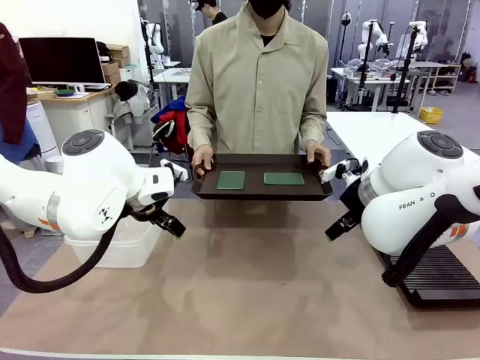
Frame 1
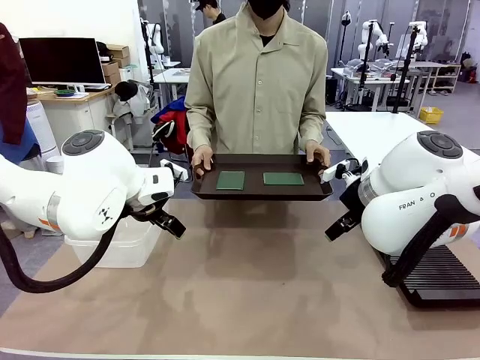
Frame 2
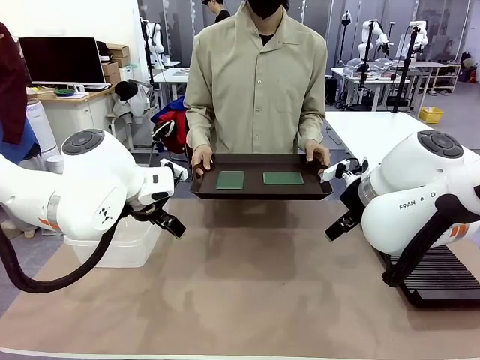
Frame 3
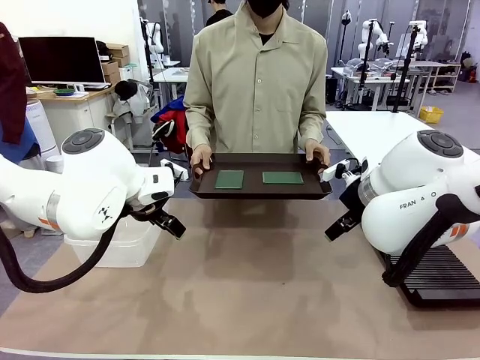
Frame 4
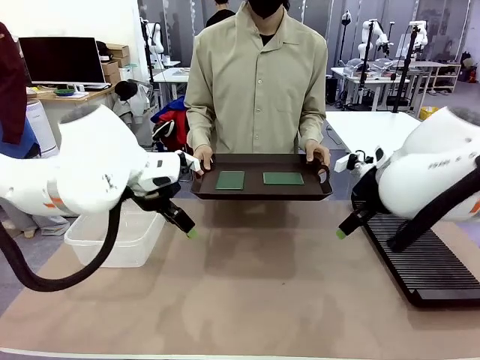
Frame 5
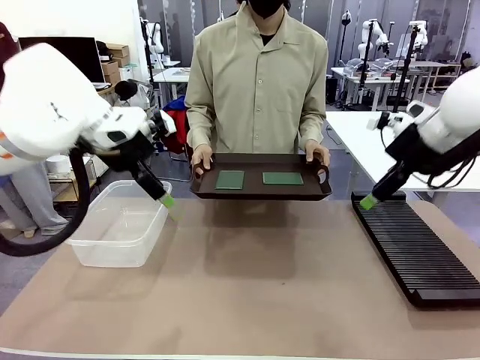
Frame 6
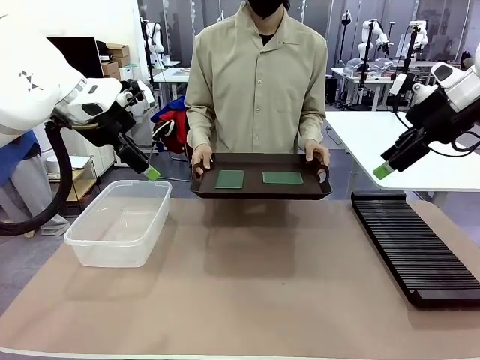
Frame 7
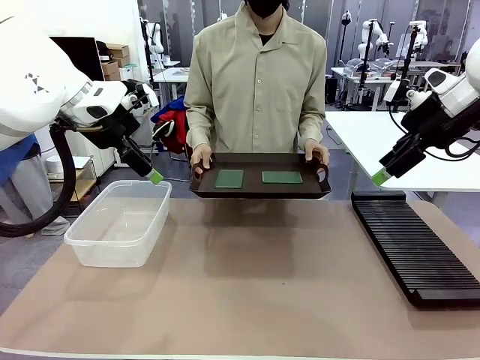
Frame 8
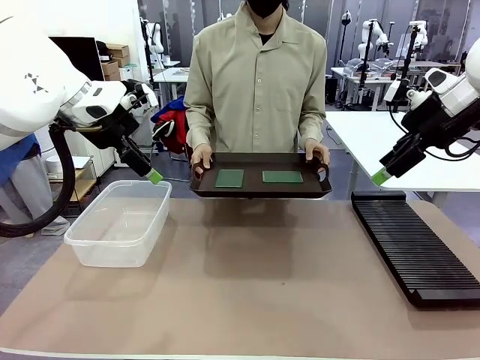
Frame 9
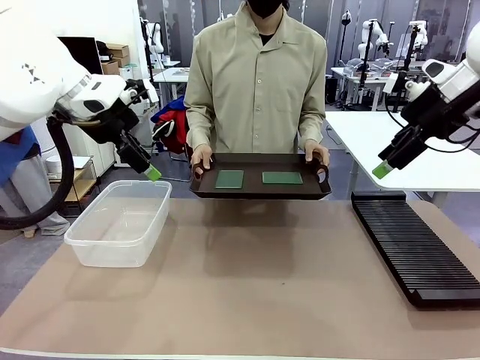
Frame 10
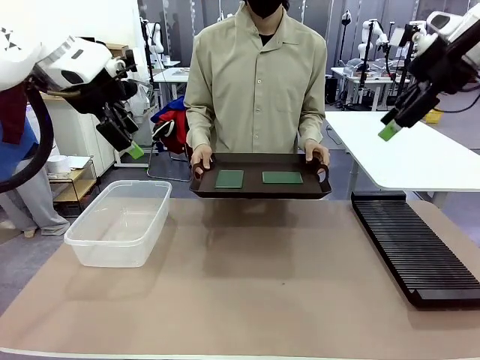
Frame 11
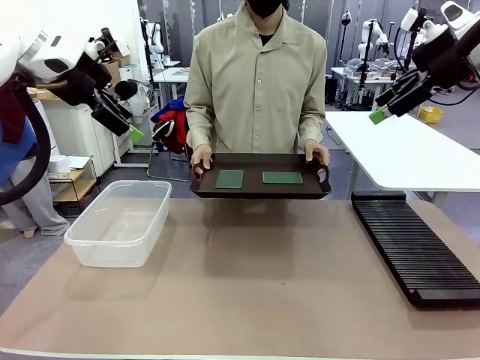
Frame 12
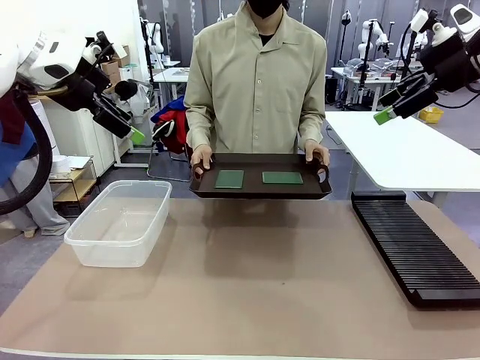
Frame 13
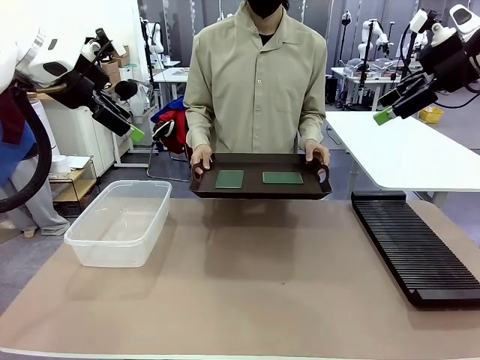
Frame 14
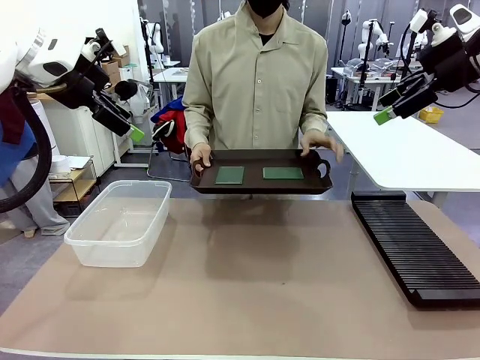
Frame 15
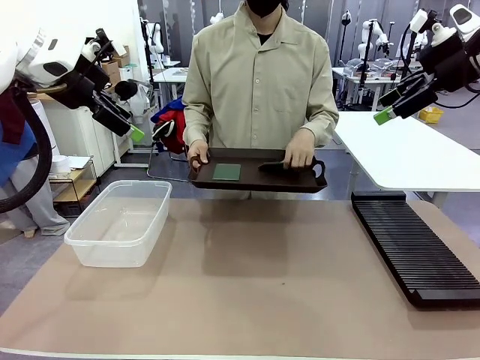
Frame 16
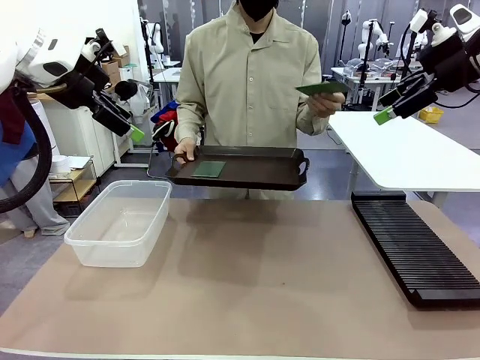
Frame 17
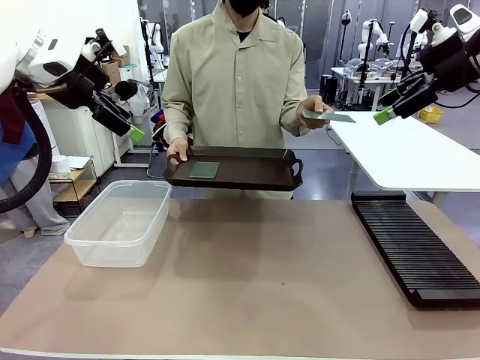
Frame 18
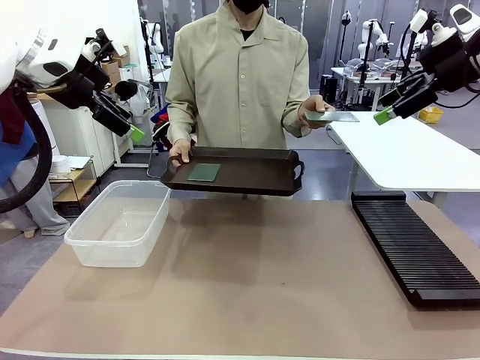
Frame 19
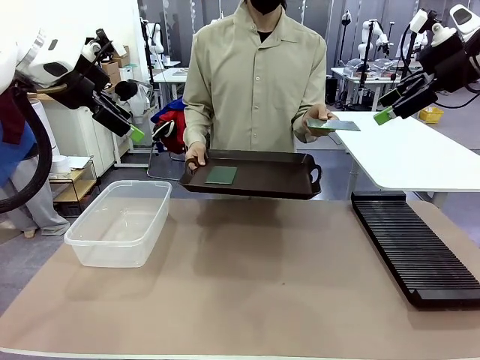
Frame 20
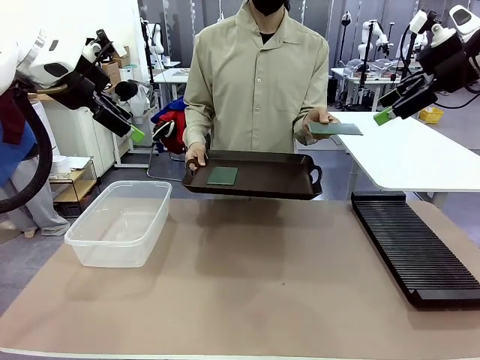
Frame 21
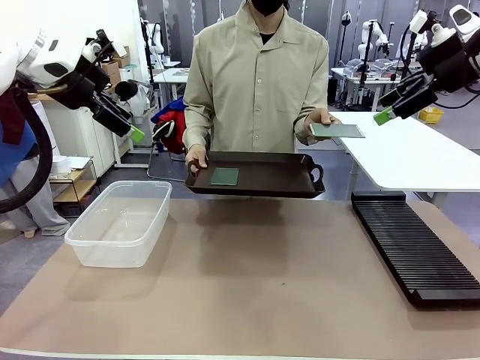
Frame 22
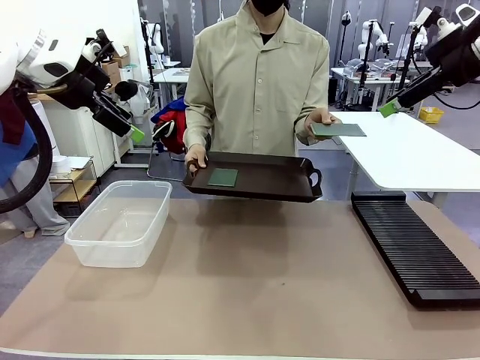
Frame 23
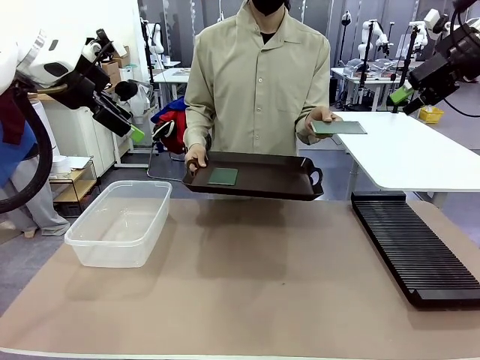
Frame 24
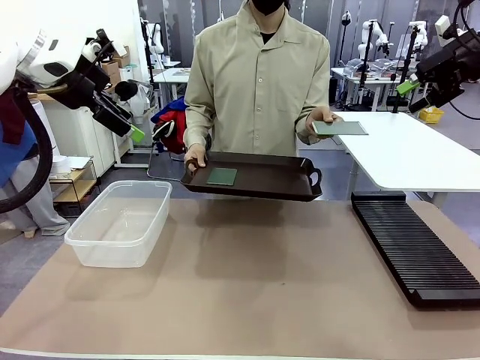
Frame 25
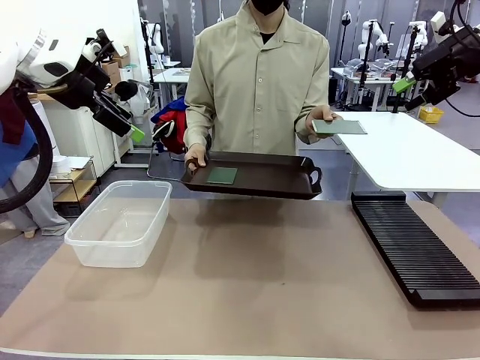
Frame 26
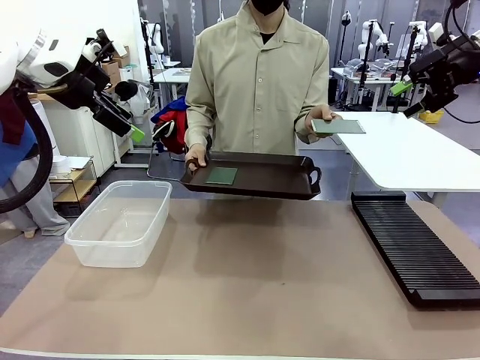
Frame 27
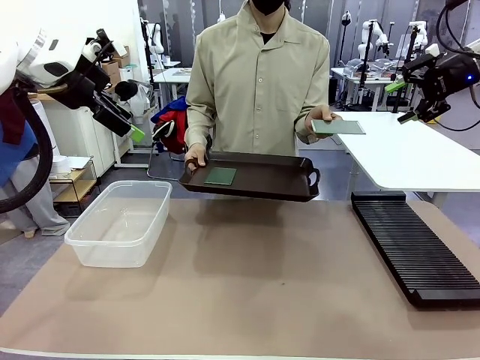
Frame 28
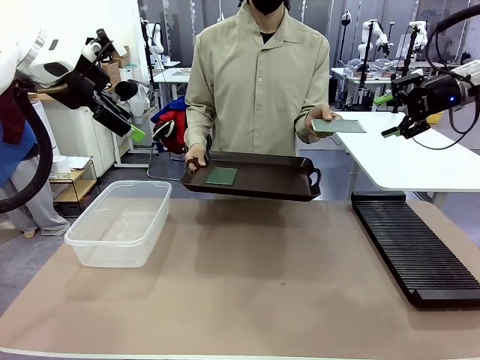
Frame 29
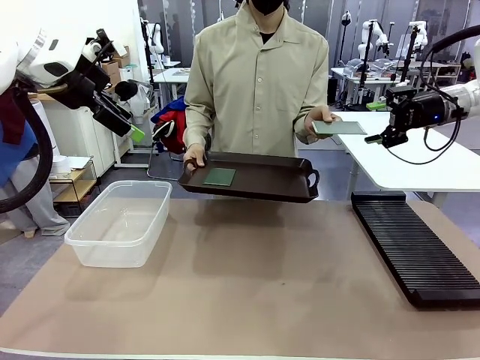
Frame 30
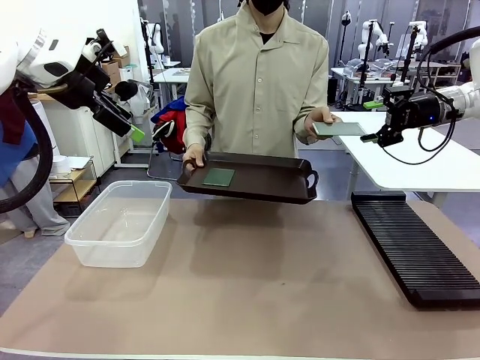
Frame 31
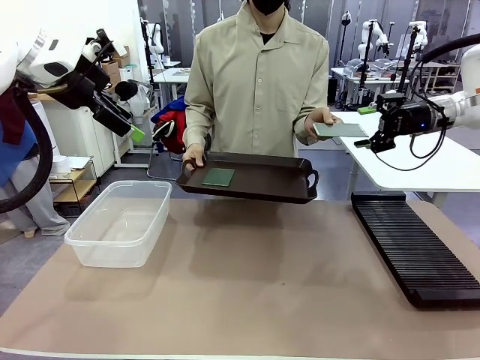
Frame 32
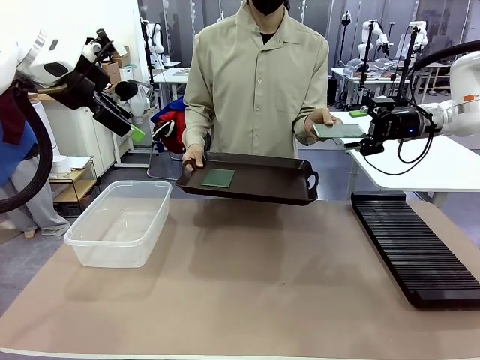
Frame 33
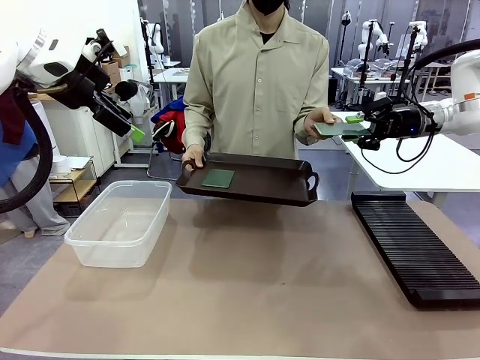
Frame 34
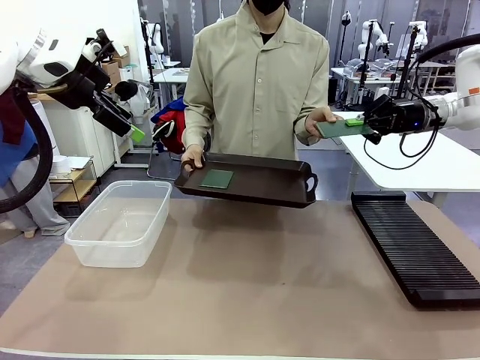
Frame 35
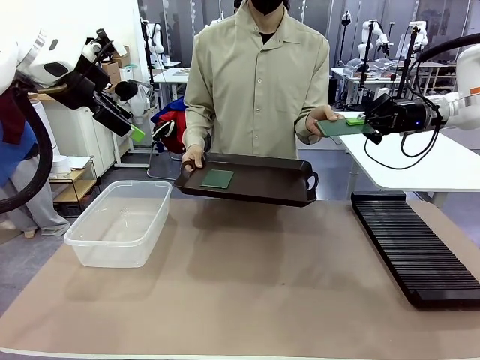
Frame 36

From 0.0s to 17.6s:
Task: Sort PCBs into racks and boxes based on the side picked up.
Robot: Pick up the Blank PCB handed by the Human.
Person: Pick one PCB from the tray and present it to the robot. Release the PCB being held.

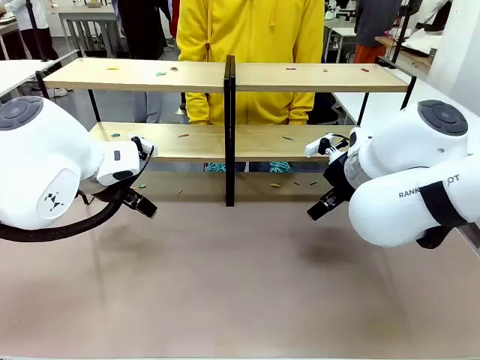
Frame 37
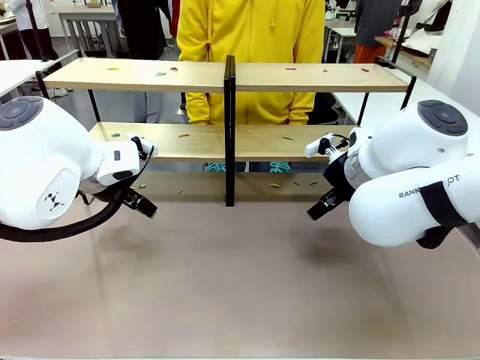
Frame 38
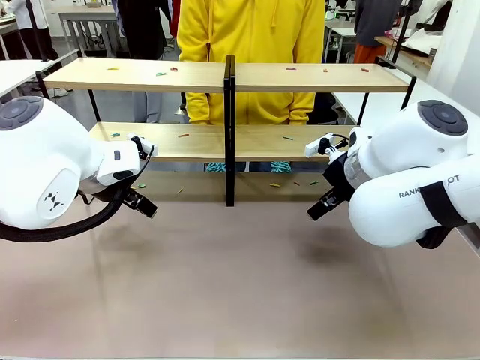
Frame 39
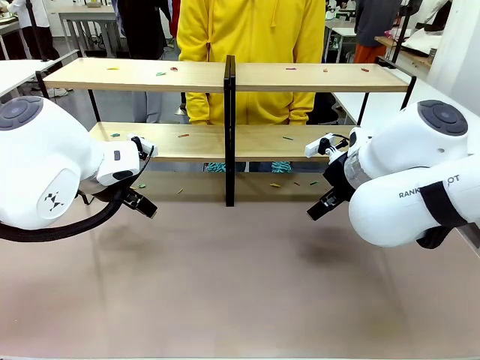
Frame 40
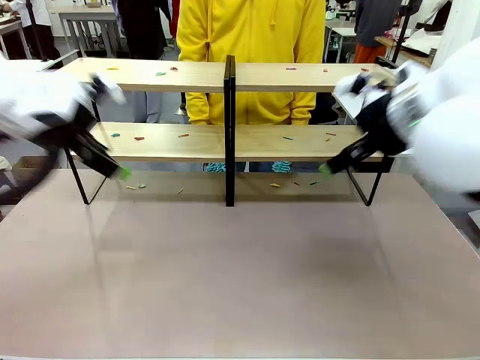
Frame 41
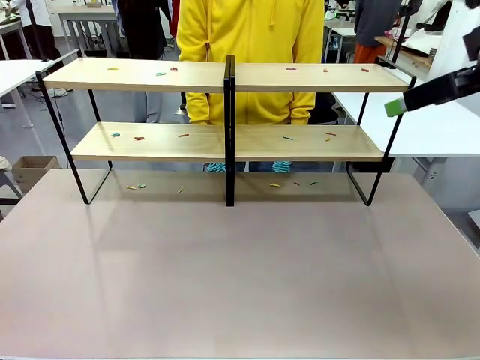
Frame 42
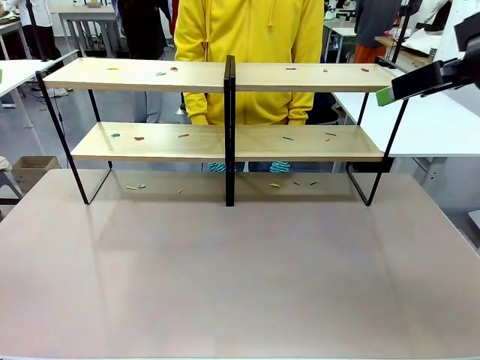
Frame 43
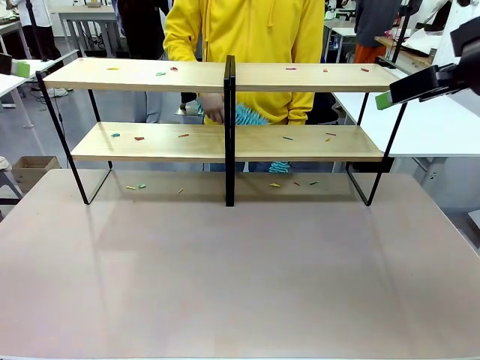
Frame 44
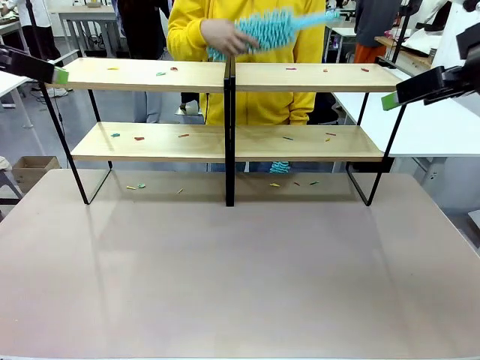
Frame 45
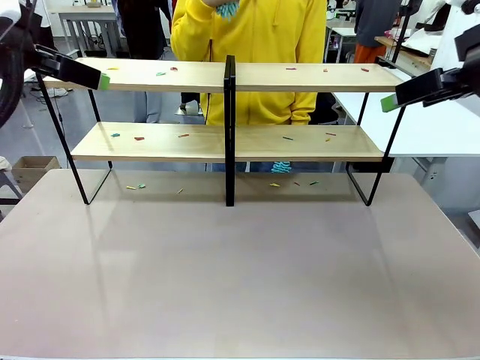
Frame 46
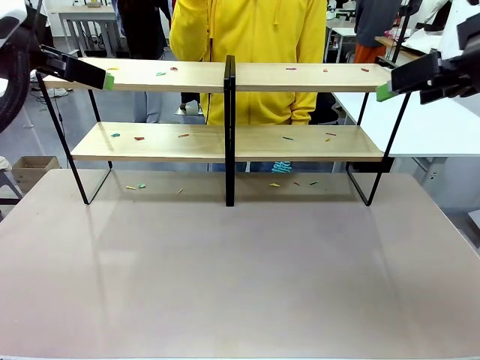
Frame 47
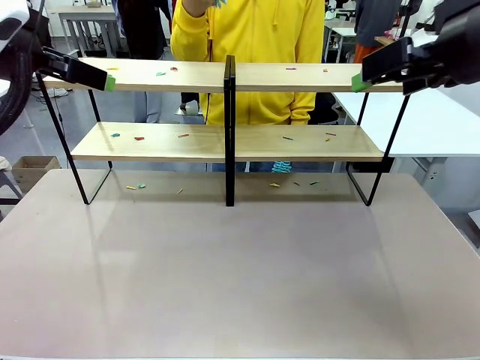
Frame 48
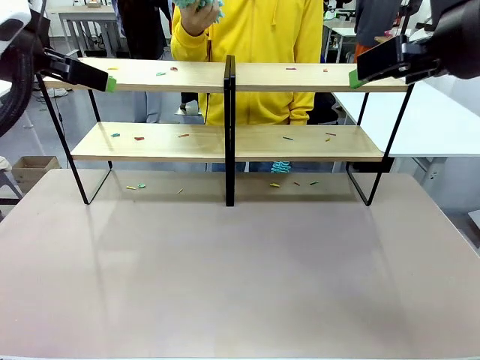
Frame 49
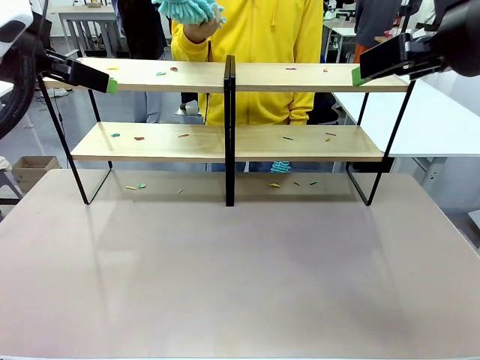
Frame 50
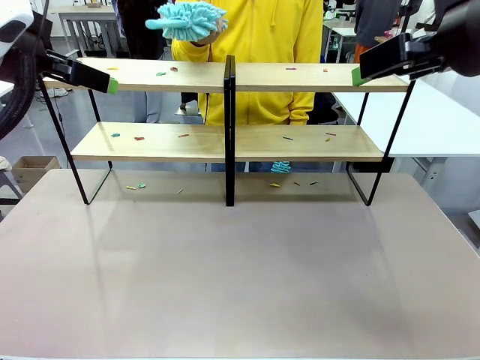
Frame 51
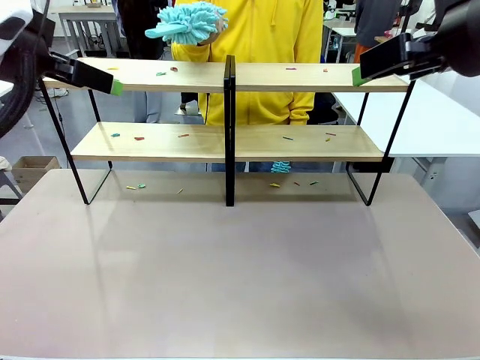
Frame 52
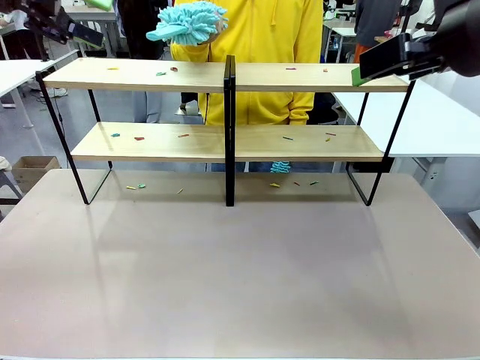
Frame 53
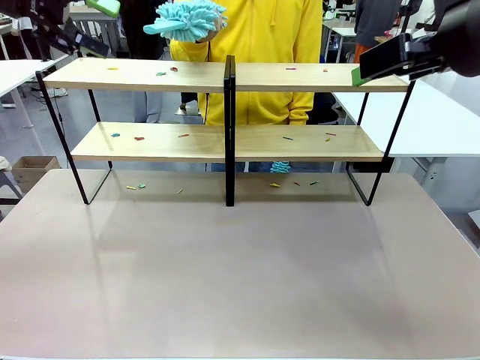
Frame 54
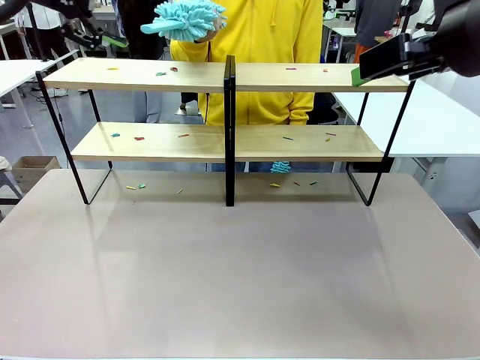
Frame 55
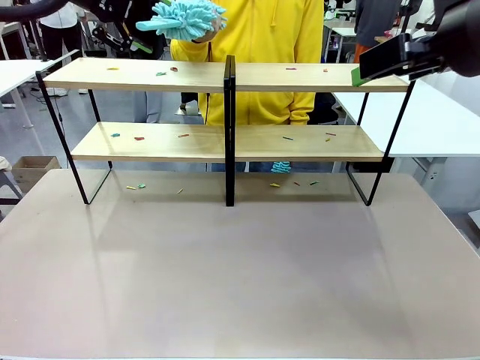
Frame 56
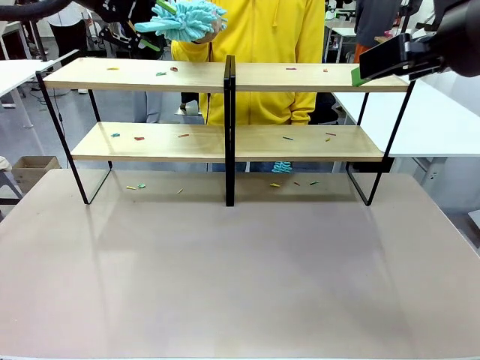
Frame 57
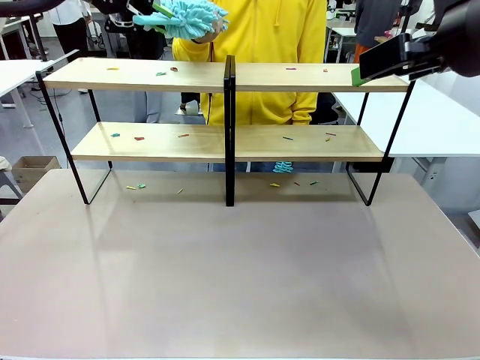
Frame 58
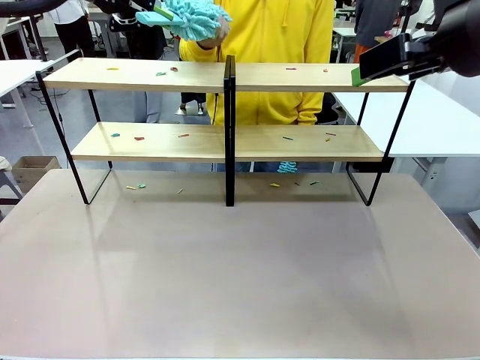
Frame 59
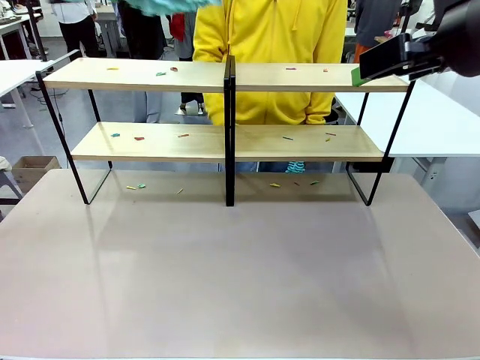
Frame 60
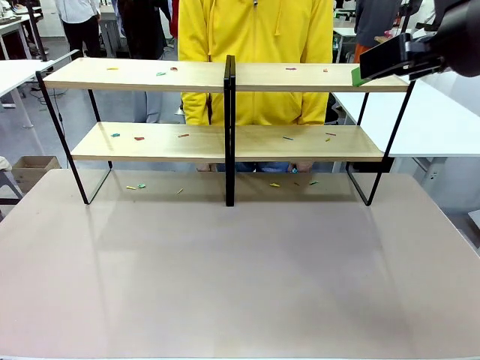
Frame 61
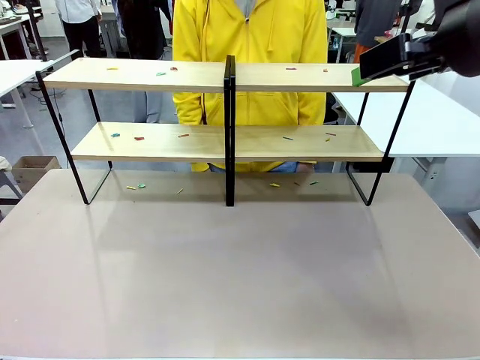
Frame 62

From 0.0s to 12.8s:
Task: Clean the shelves.
Robot: Pick up the Duster when the human hands it over.
Person: Hand the Duster to the robot with your right (or left) hand.
